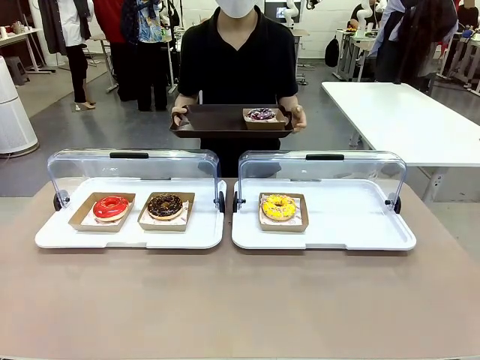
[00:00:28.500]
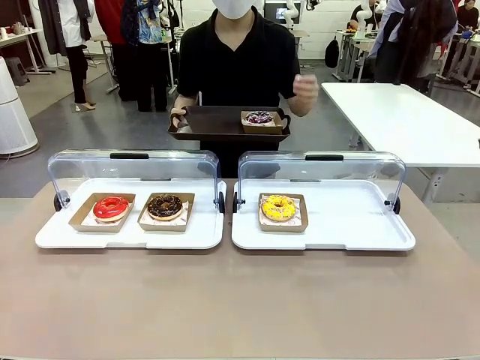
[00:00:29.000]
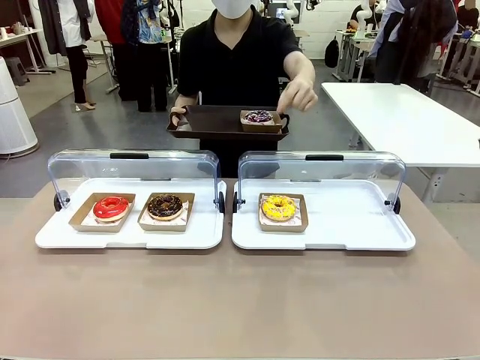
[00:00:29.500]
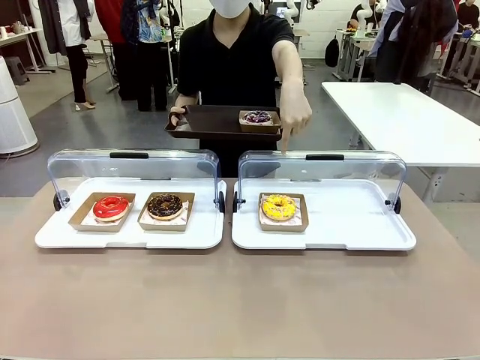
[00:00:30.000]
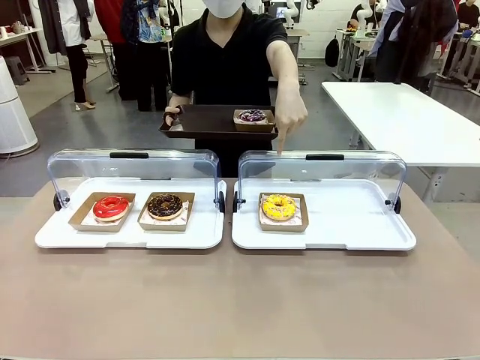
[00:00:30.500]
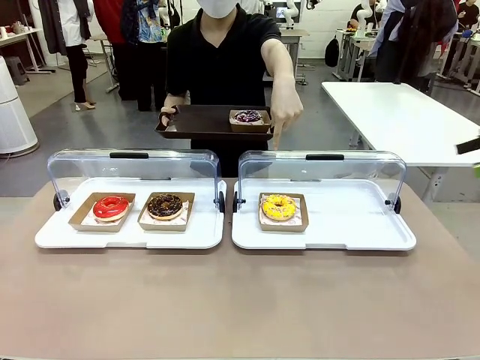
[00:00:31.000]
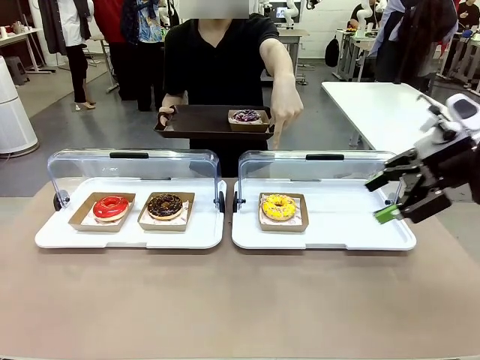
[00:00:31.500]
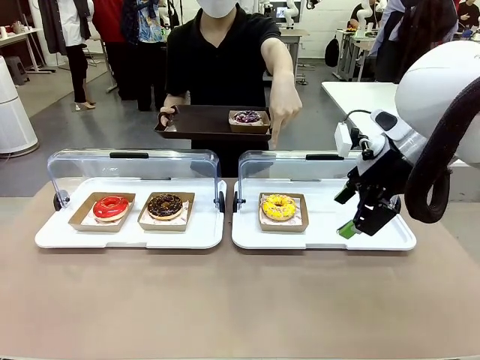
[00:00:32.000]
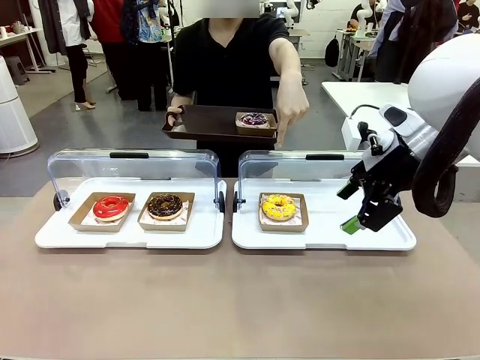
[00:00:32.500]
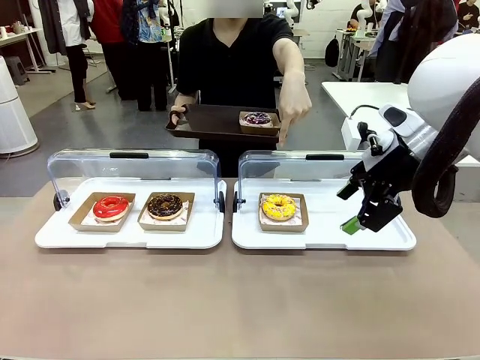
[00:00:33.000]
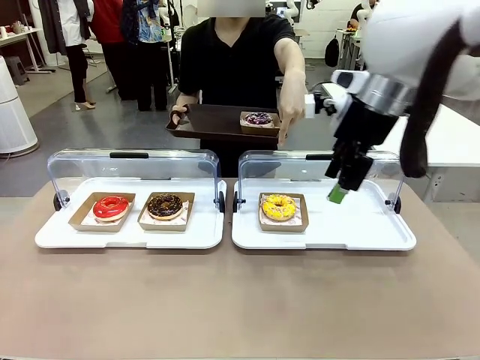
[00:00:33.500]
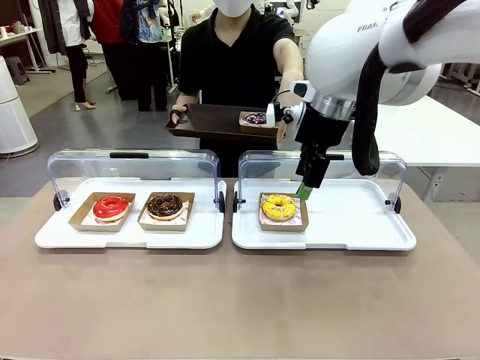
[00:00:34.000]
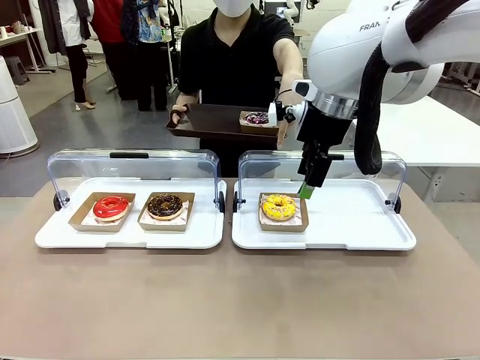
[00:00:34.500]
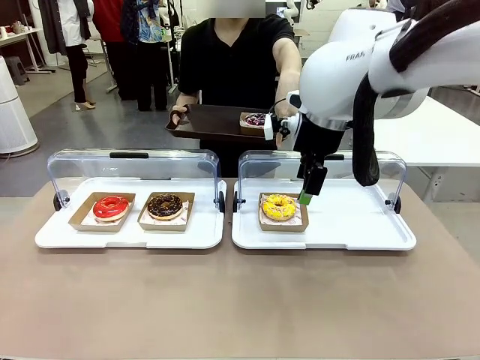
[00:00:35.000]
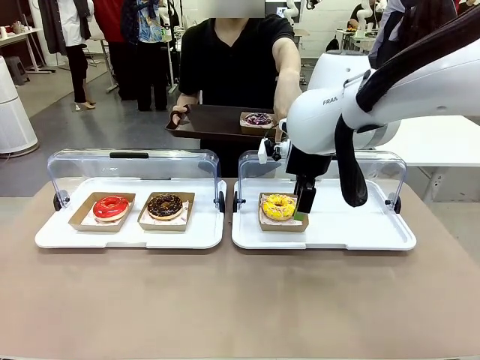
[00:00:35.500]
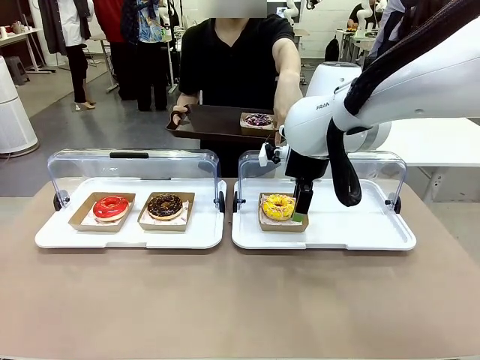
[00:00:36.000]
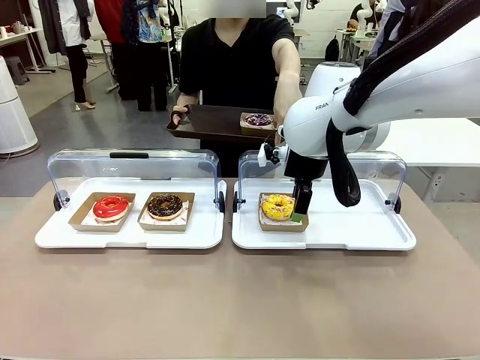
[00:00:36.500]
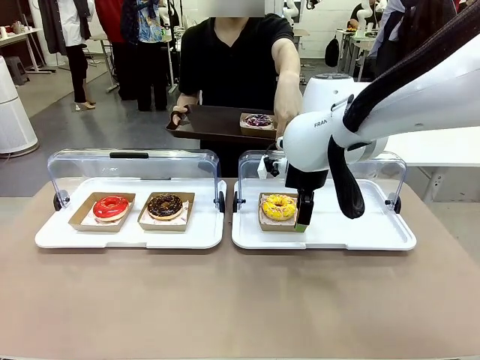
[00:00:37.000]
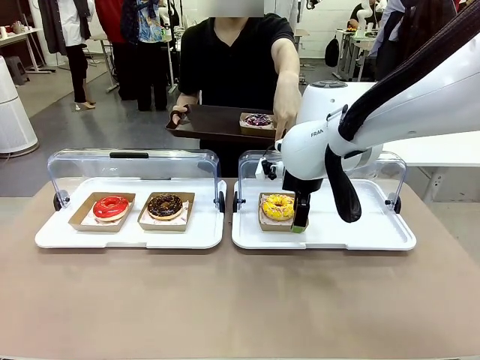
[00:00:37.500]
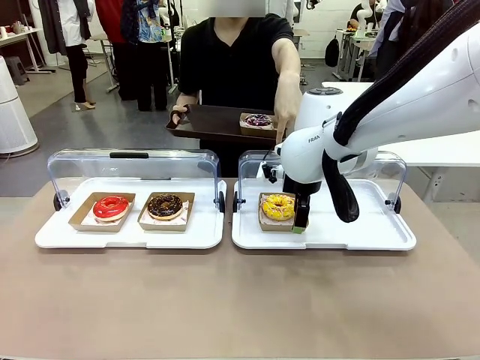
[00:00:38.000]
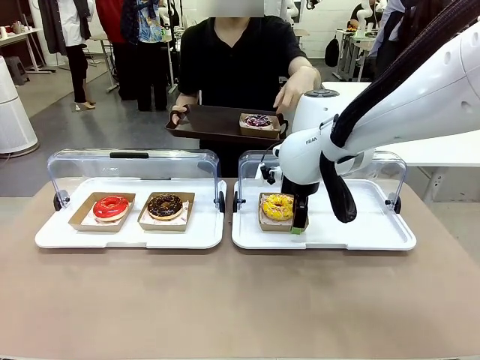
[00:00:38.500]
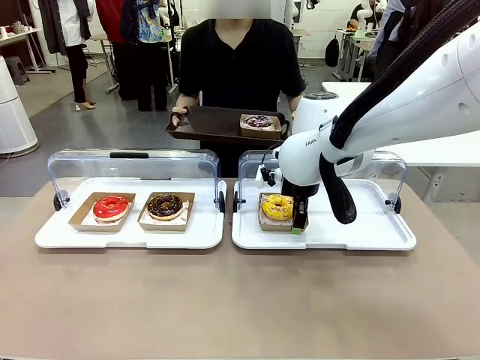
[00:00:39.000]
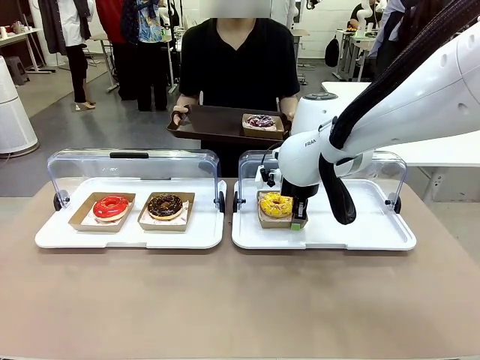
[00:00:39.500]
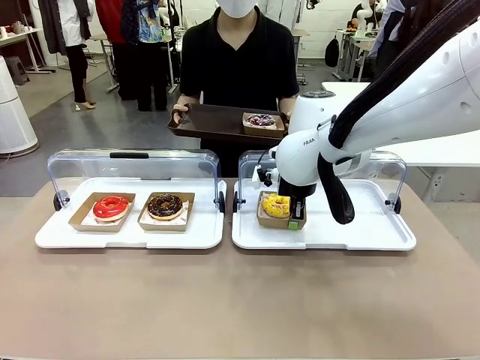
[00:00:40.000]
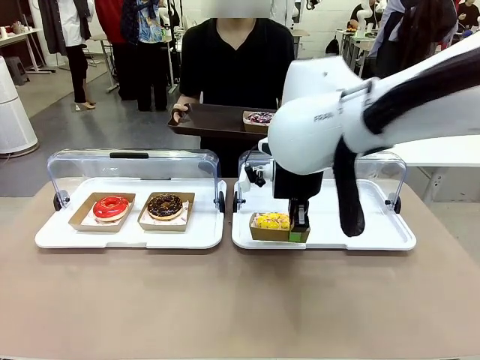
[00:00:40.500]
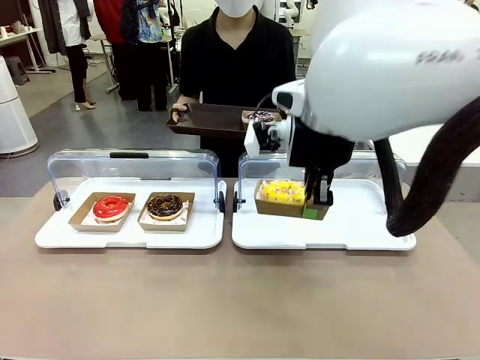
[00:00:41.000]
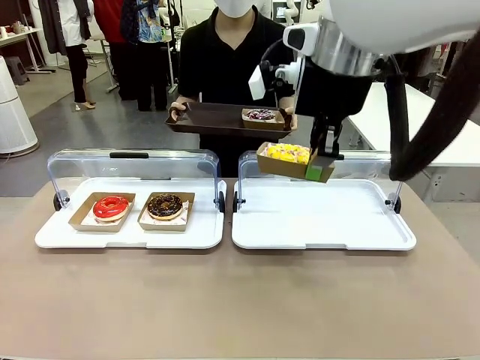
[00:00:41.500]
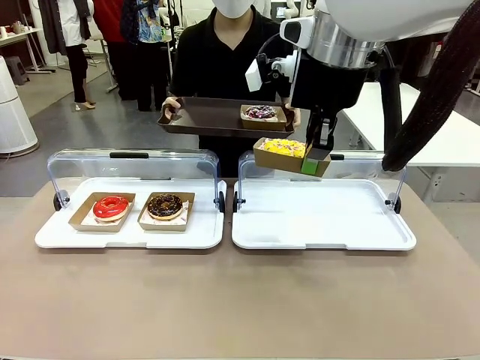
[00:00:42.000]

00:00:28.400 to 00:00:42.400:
Task: Provide the desired donut to the person.
Robot: Pick up and lift the Paper togo box containing the Donut pointed at by the person.
Person: Lift the tray onto the Roll-Top Bakery Case.

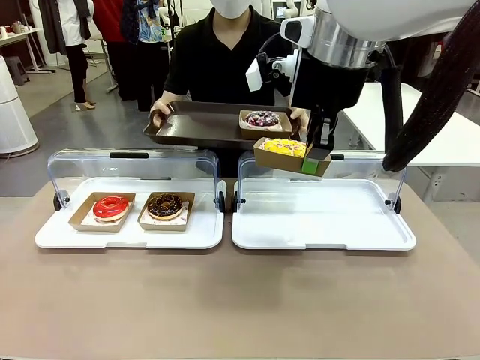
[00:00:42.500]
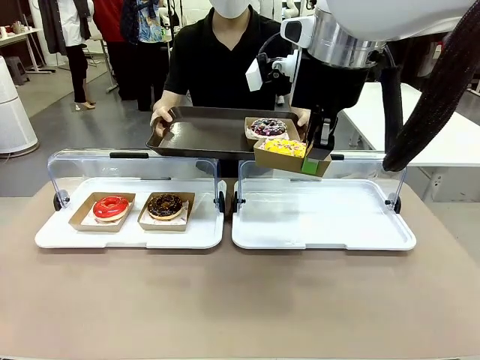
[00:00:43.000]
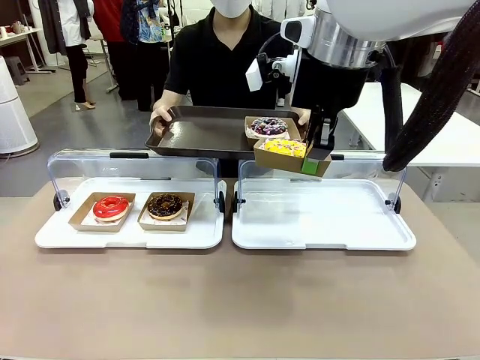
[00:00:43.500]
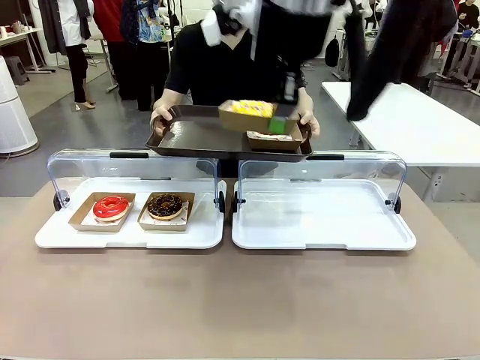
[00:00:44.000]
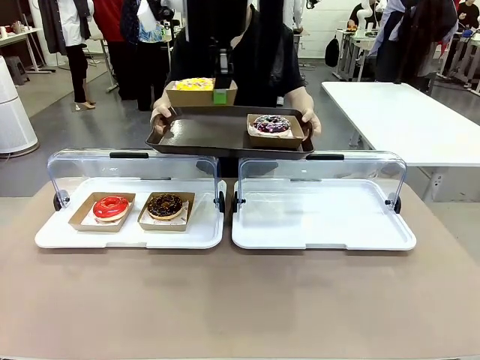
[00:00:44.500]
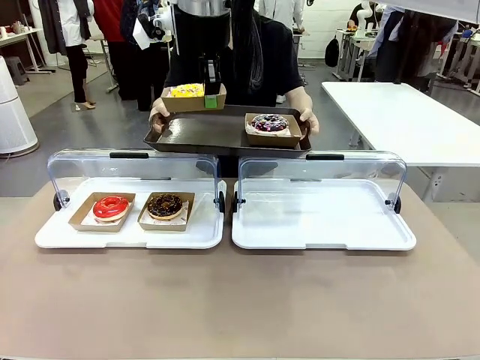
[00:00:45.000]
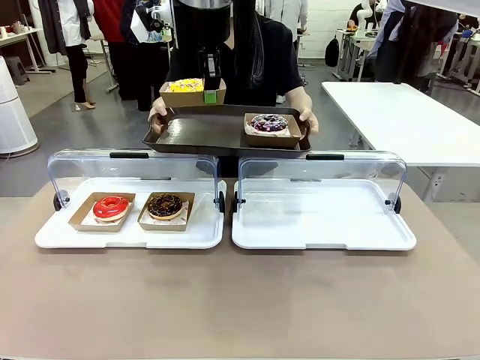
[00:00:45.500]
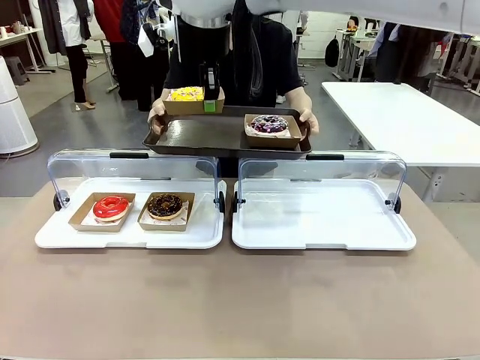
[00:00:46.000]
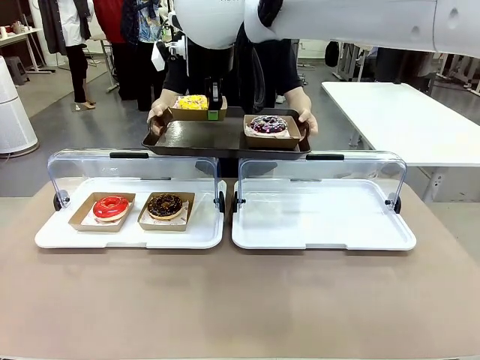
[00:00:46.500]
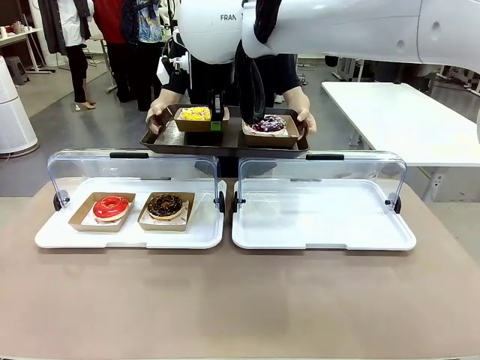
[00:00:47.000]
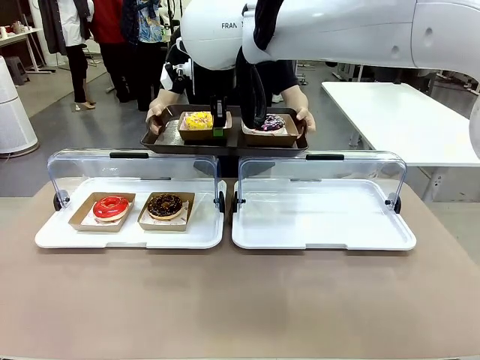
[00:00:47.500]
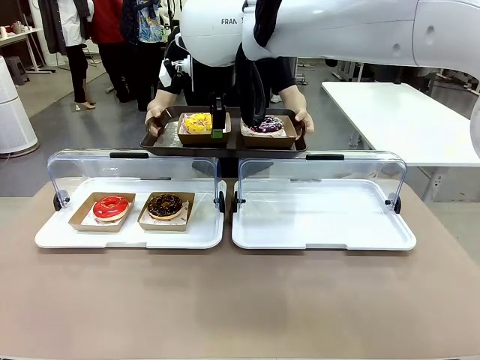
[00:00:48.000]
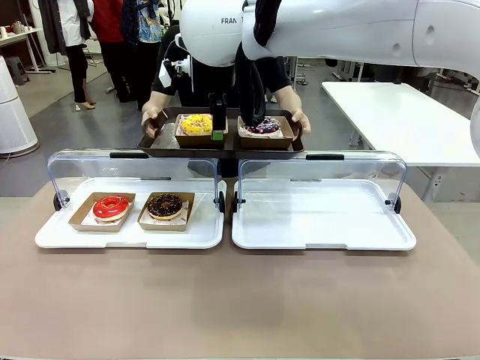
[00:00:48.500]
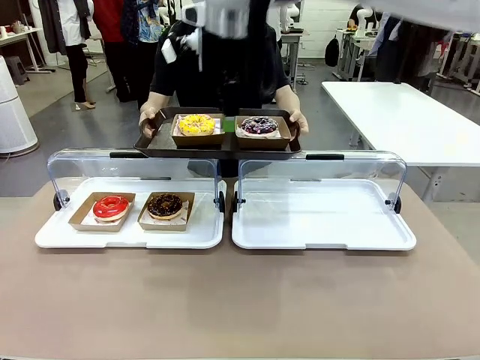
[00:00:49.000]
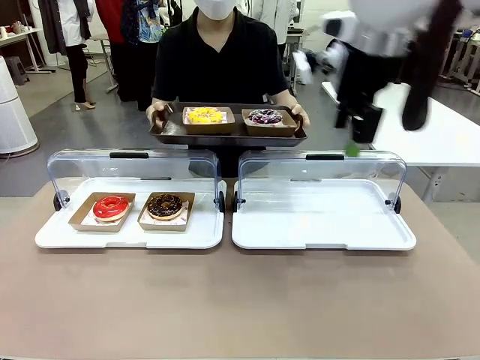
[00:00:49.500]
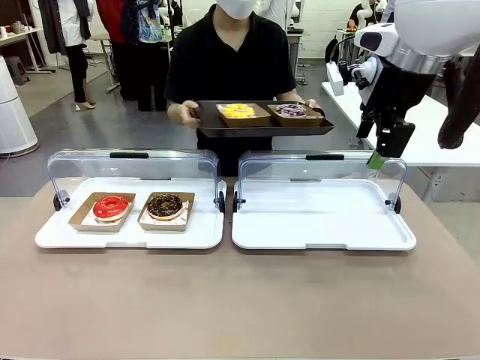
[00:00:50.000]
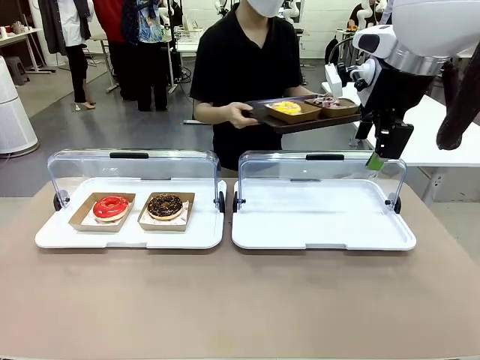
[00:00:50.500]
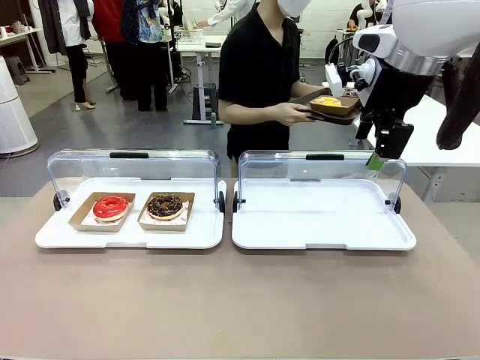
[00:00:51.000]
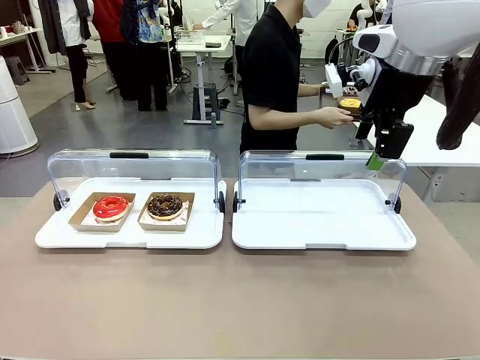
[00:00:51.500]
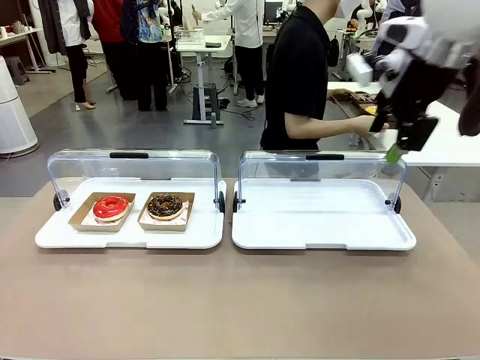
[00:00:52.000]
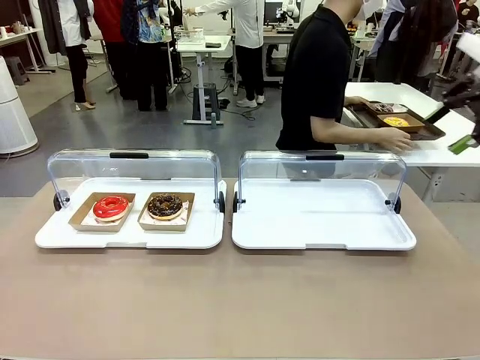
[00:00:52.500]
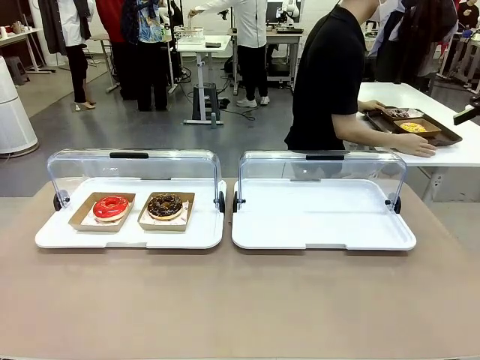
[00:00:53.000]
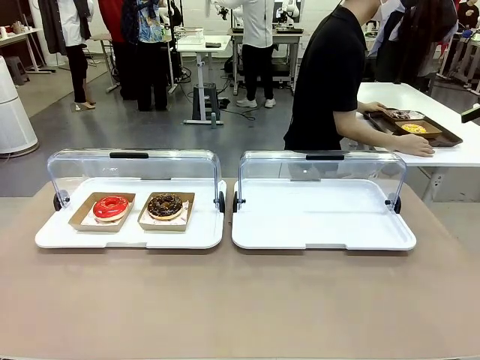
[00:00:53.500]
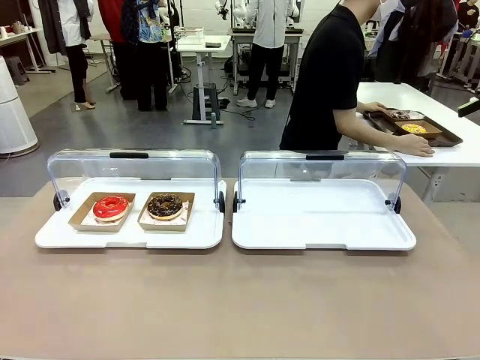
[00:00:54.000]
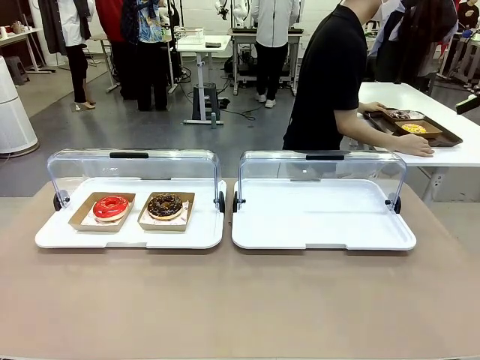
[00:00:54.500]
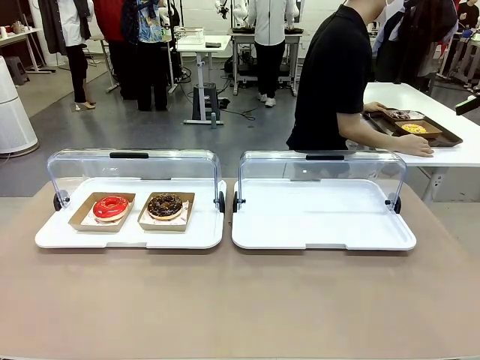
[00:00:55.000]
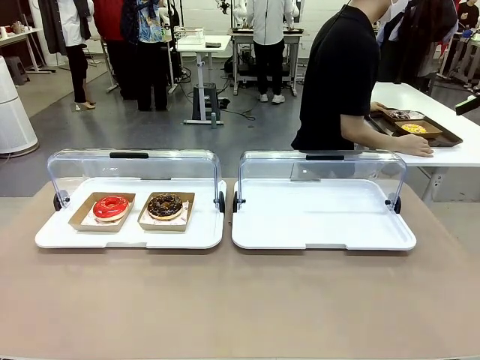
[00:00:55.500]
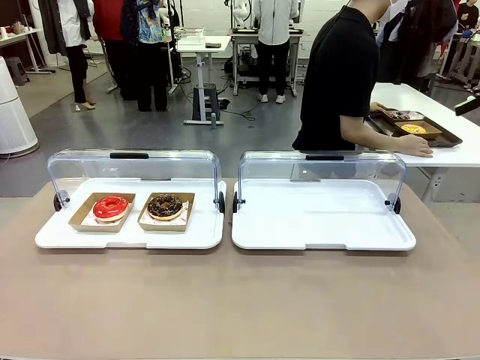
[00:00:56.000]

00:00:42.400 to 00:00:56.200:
Robot: Place the picked Paper togo box onto the Handle tray extended by the person.
Person: Place the tray in the middle of the human table.
